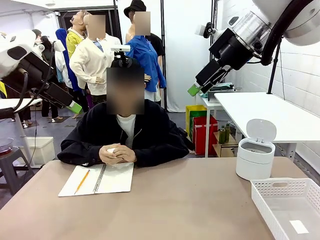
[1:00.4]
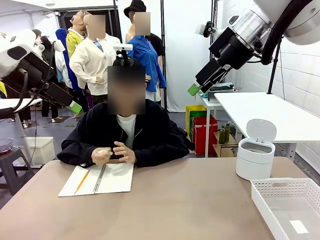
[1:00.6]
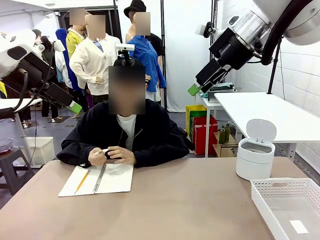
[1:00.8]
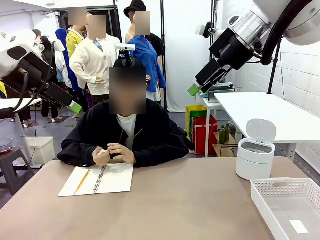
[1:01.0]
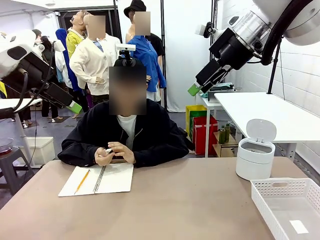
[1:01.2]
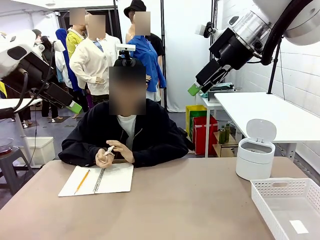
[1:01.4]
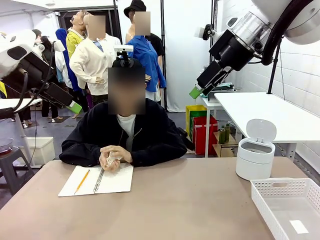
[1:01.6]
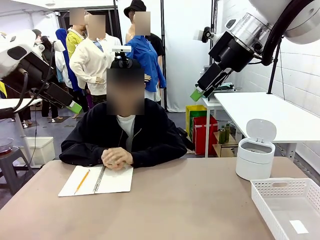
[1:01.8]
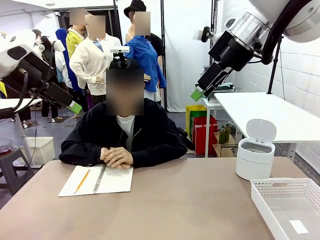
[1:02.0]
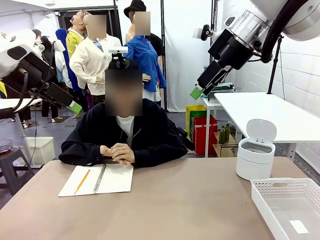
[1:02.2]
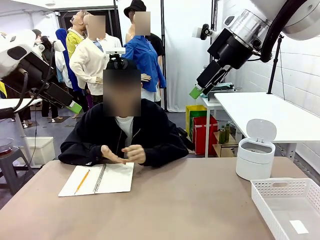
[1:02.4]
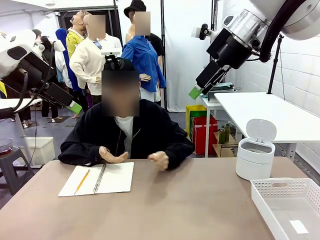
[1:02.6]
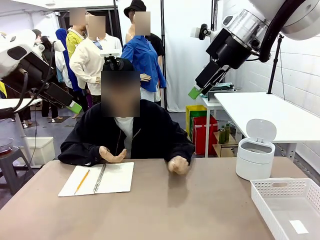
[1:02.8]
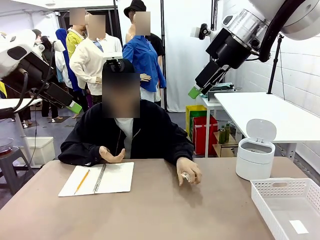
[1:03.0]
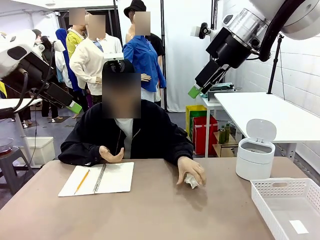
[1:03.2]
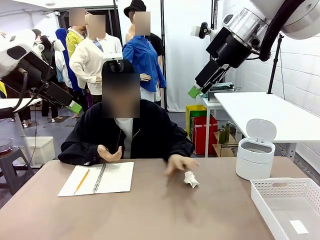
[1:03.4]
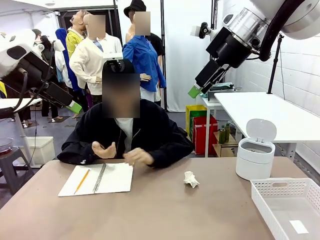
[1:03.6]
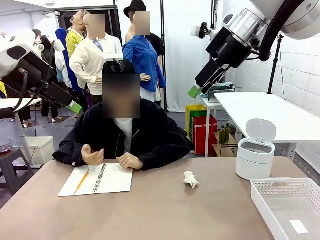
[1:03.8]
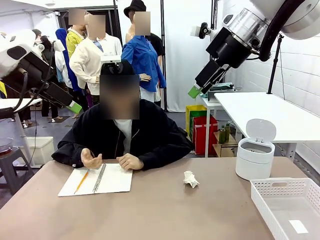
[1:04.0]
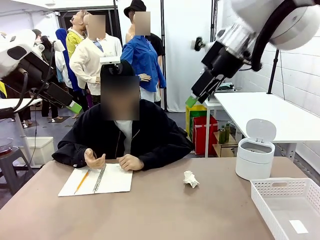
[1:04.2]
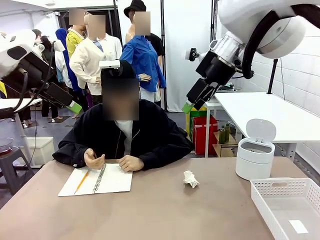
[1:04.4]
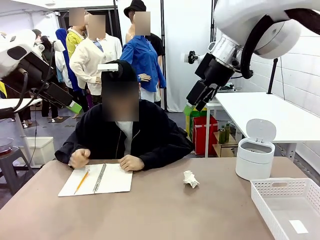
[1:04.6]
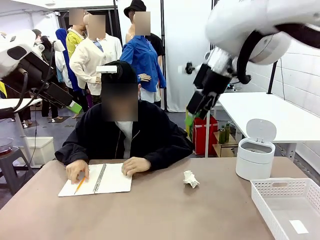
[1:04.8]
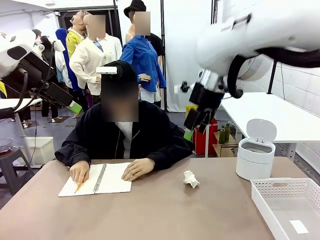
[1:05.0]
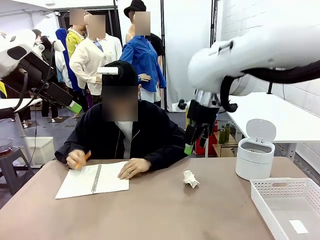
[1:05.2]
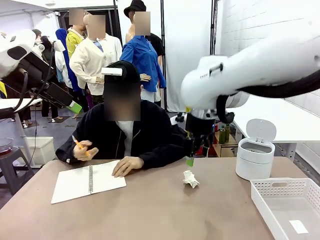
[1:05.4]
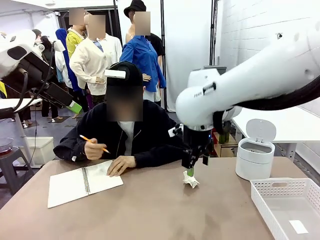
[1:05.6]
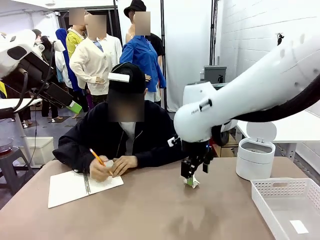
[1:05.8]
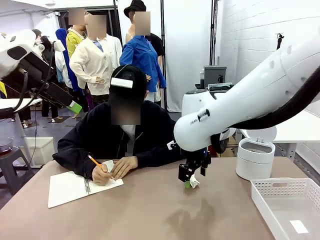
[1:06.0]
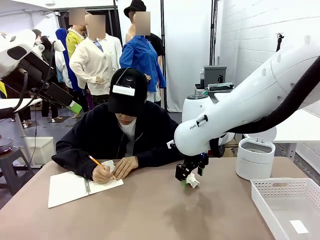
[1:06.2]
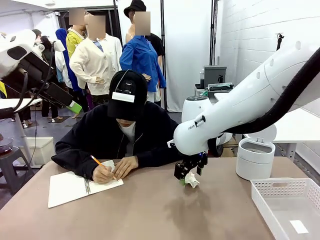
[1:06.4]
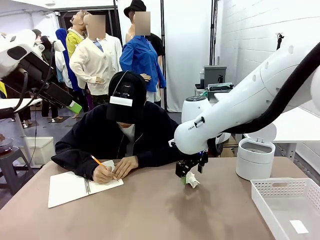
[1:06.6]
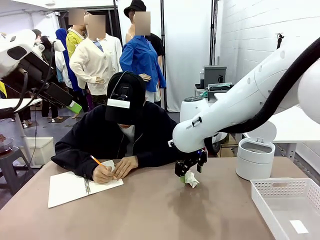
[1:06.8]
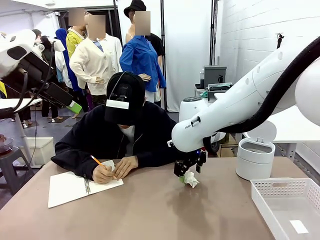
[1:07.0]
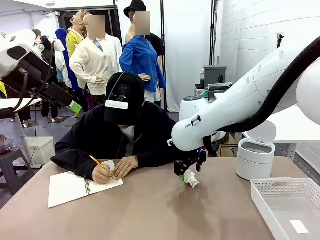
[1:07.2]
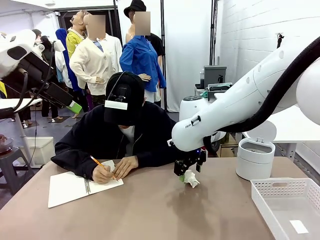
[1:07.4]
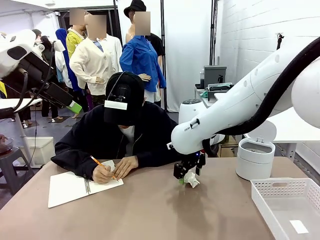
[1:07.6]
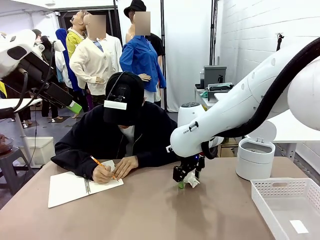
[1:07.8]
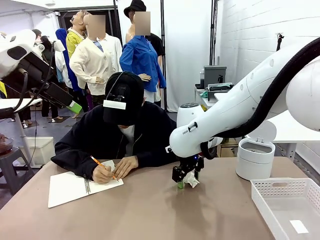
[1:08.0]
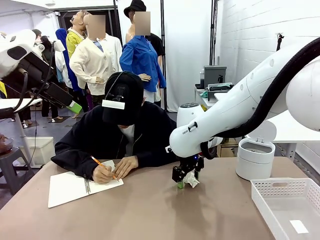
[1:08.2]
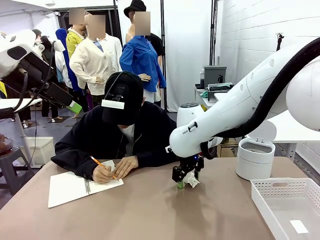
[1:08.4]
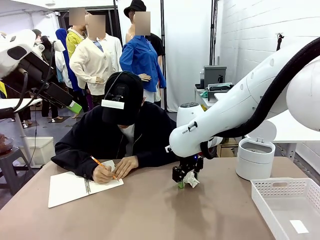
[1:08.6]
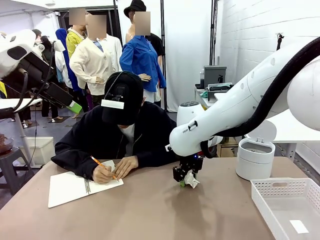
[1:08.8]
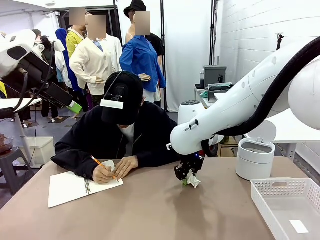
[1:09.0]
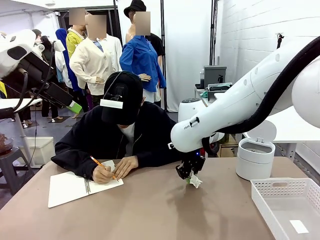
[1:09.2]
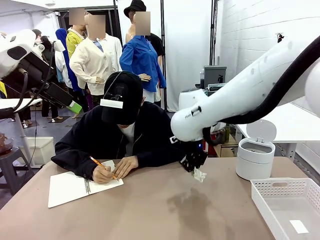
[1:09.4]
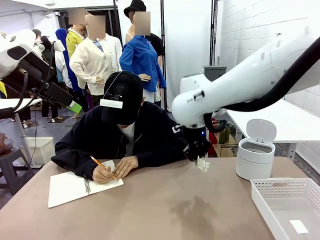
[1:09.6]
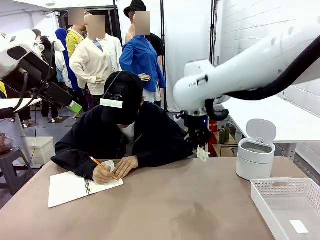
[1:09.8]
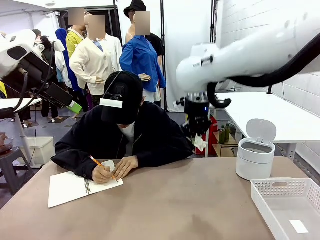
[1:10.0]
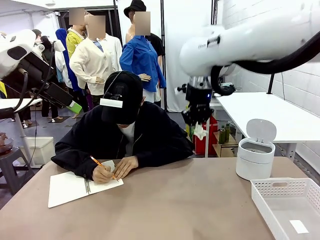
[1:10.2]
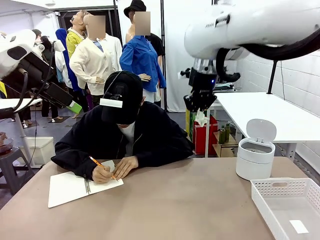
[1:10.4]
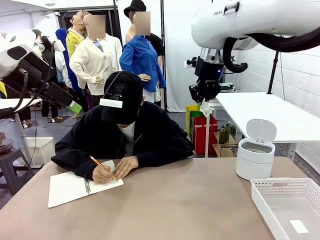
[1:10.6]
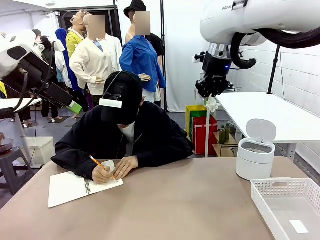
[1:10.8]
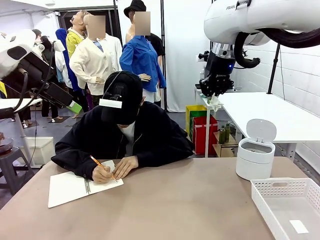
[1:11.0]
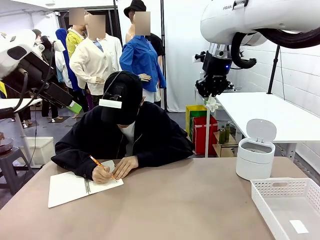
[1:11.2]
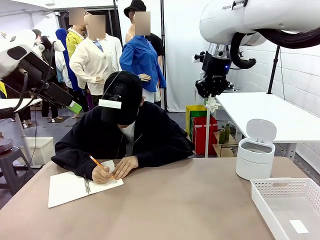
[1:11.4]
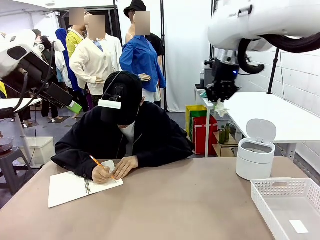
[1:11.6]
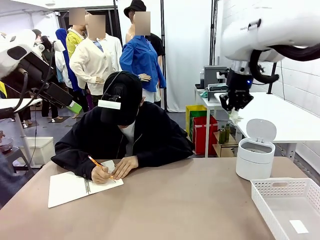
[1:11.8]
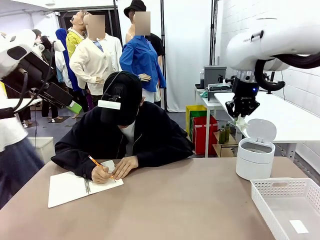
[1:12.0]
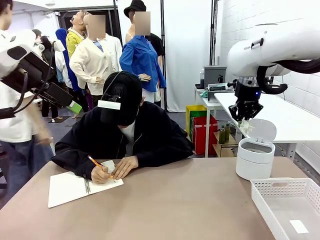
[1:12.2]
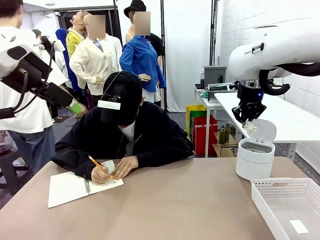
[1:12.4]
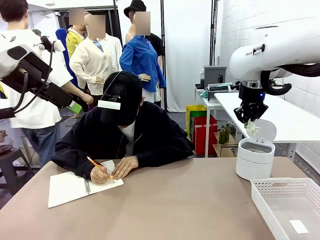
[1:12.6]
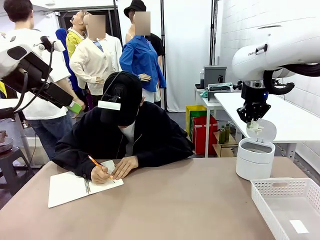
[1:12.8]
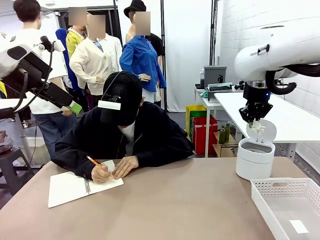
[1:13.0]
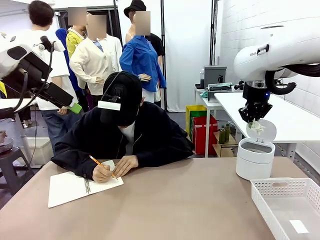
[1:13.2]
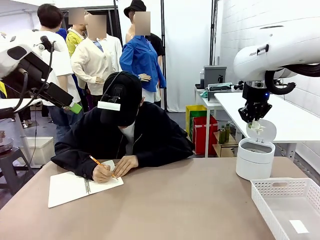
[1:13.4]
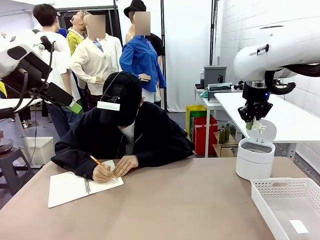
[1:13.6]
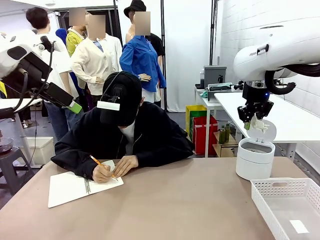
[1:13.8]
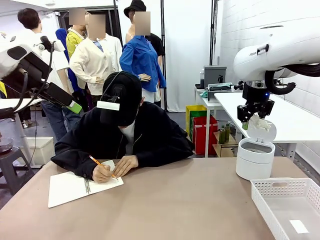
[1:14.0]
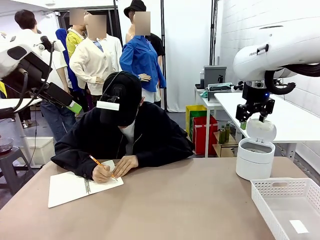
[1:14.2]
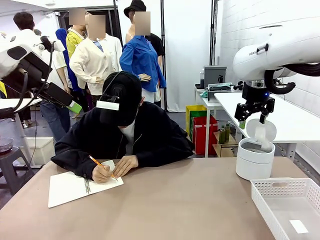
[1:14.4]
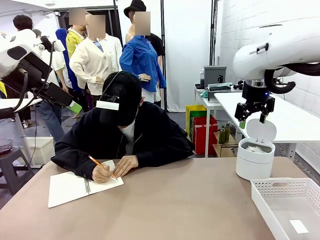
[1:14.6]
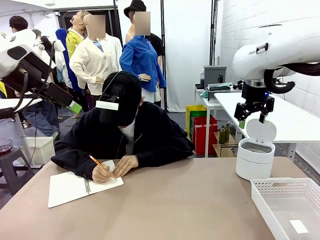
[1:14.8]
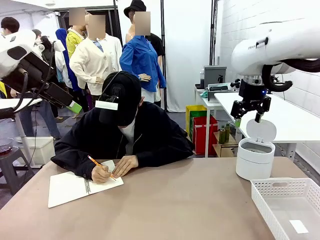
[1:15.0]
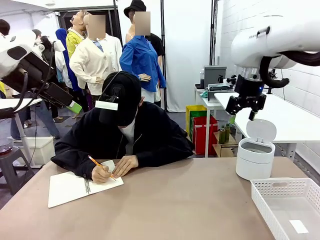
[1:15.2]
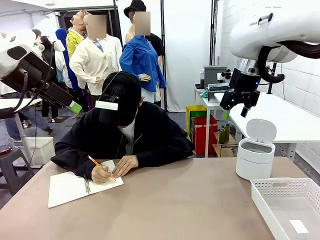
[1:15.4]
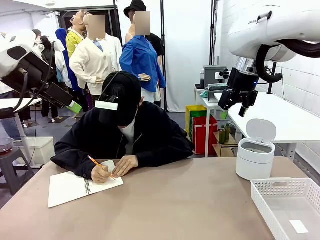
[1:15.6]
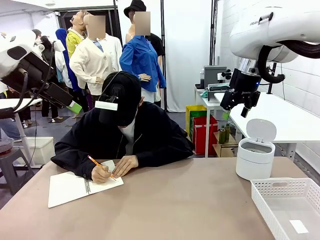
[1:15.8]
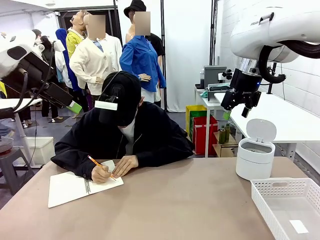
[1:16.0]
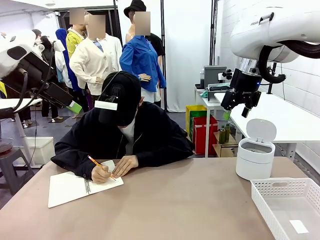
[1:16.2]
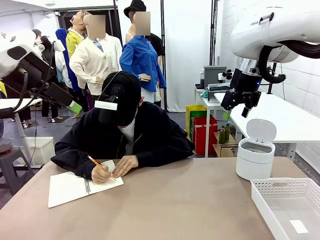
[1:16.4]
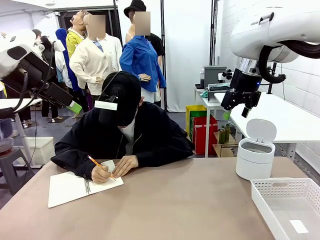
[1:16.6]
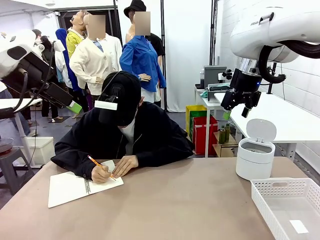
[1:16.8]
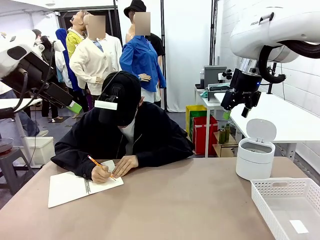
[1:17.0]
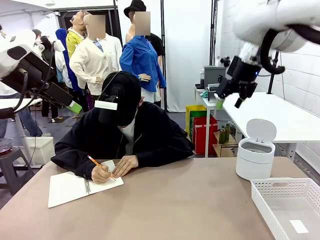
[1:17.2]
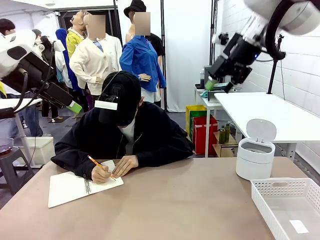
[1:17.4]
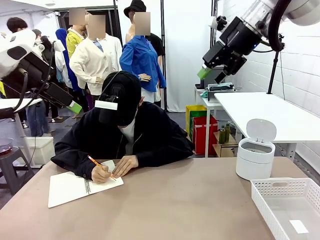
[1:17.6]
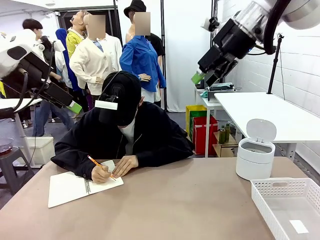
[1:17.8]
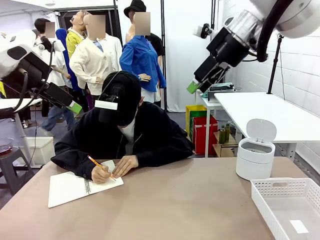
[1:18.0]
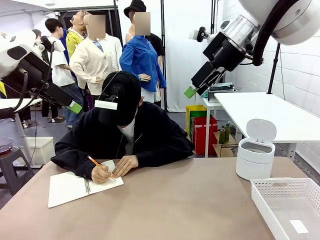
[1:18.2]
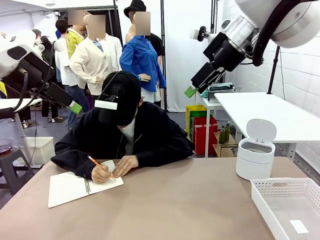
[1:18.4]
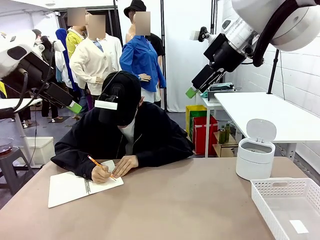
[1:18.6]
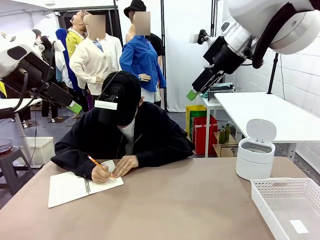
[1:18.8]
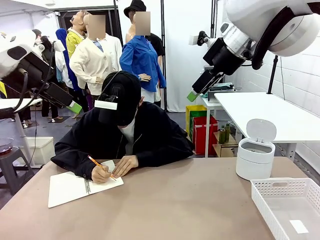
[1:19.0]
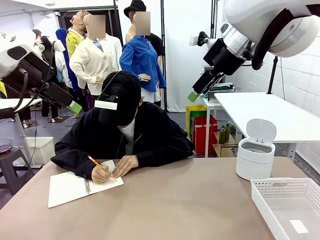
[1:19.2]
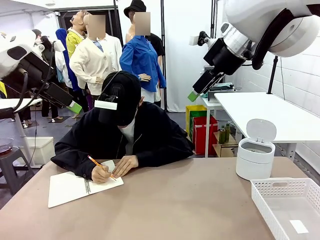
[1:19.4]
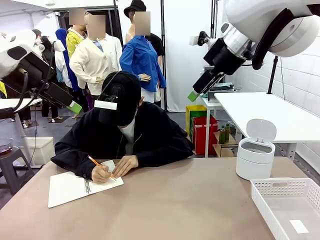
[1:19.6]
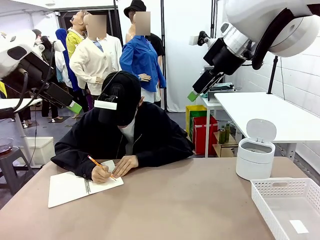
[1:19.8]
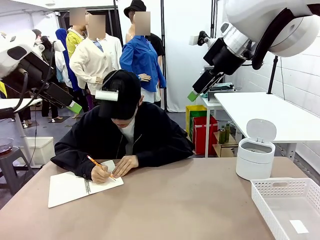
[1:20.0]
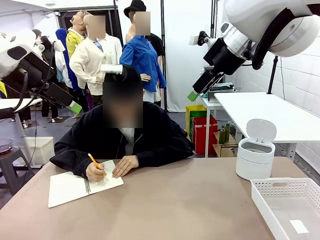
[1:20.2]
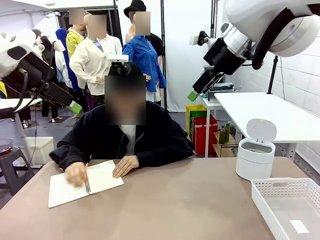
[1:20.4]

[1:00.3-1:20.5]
Task: Sort the paper based on its condition.
Robot: If a person hands you a paper, place it in the Organizing basket , and if it's crumpled, put it in the Trash can.
Person: Hand the torn page to the robot or crumple it and throw it to the center of the table.
